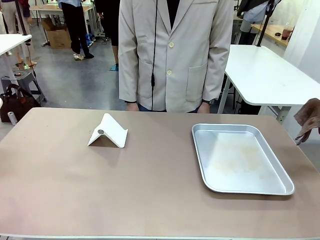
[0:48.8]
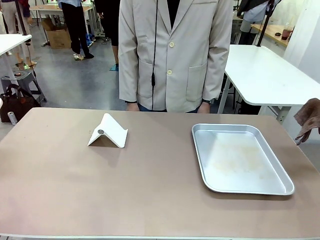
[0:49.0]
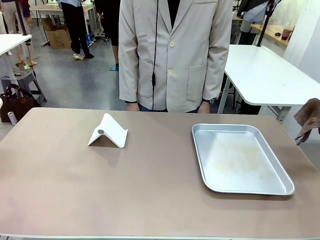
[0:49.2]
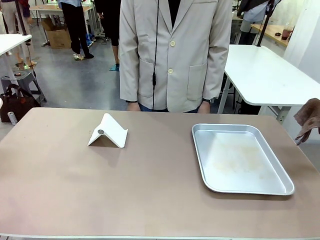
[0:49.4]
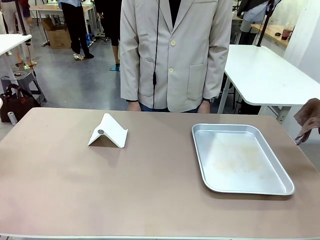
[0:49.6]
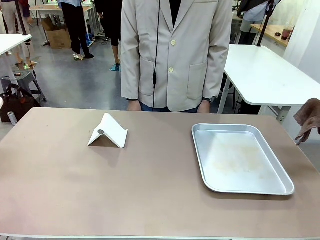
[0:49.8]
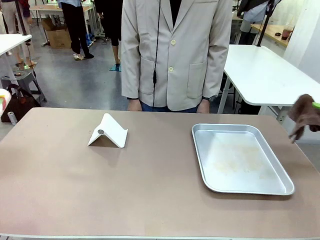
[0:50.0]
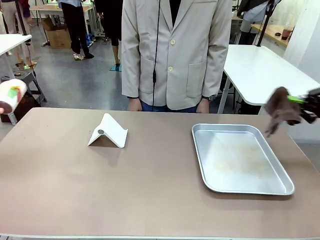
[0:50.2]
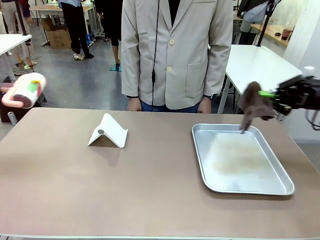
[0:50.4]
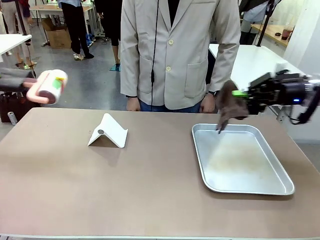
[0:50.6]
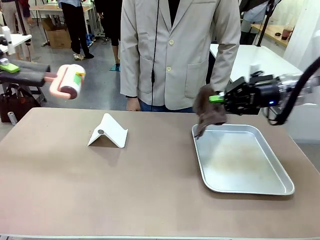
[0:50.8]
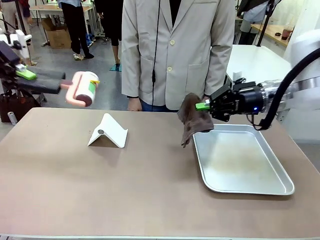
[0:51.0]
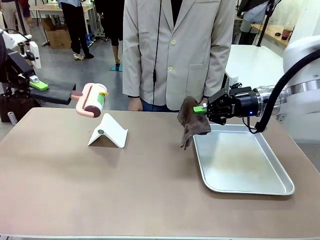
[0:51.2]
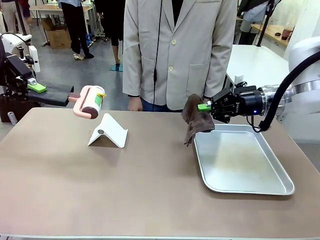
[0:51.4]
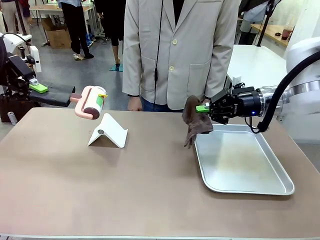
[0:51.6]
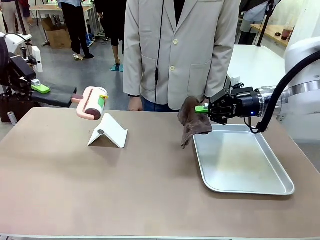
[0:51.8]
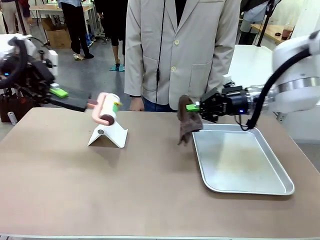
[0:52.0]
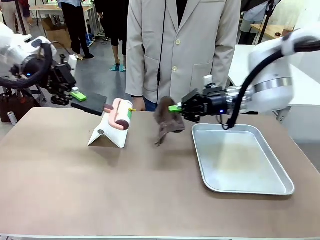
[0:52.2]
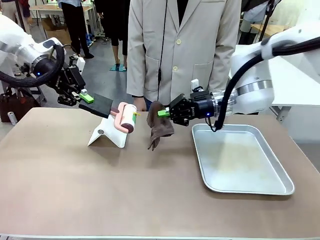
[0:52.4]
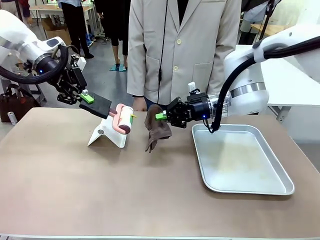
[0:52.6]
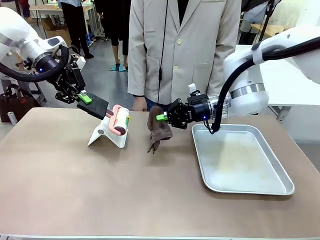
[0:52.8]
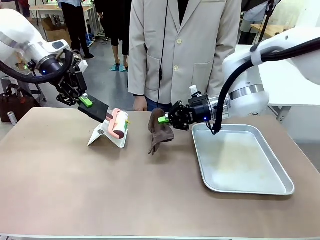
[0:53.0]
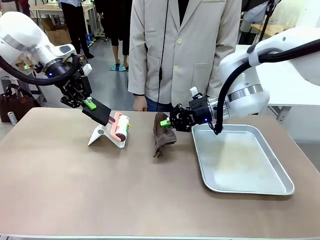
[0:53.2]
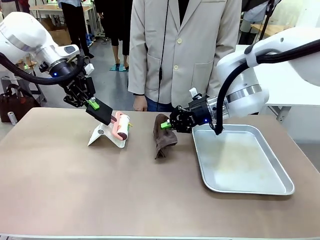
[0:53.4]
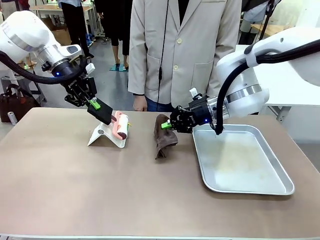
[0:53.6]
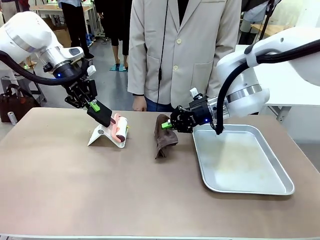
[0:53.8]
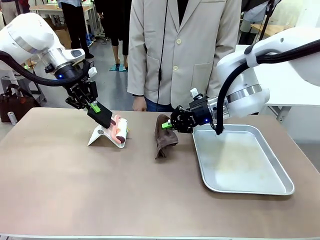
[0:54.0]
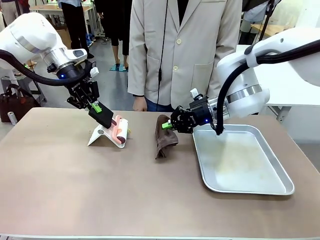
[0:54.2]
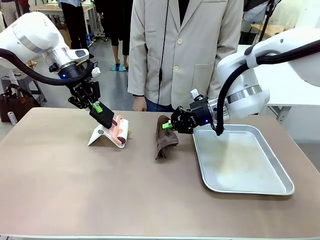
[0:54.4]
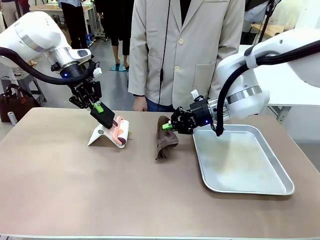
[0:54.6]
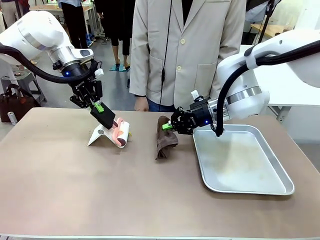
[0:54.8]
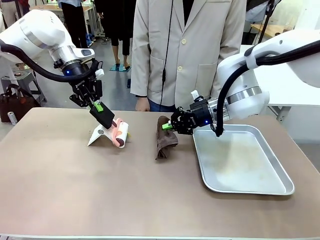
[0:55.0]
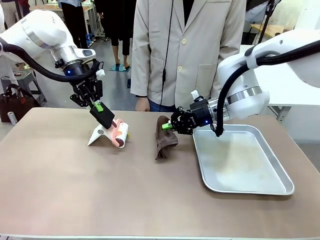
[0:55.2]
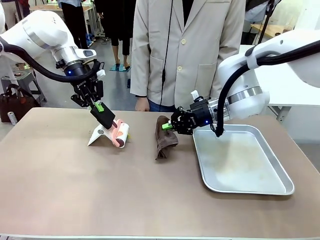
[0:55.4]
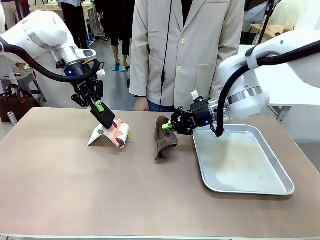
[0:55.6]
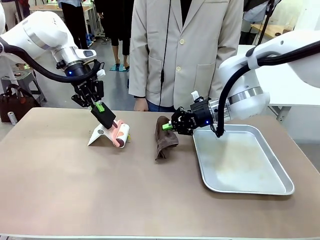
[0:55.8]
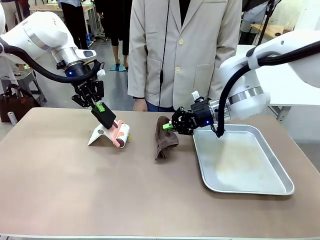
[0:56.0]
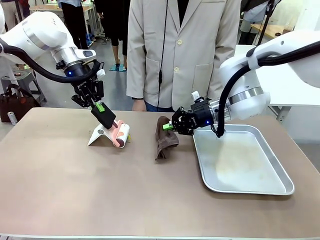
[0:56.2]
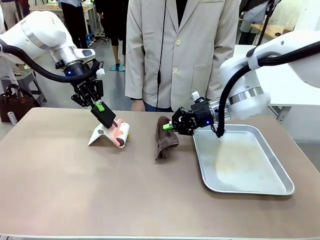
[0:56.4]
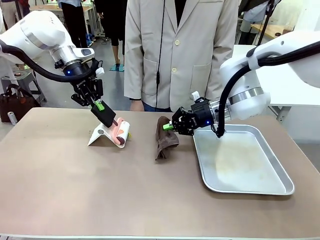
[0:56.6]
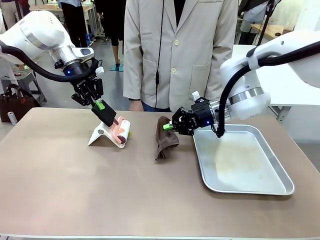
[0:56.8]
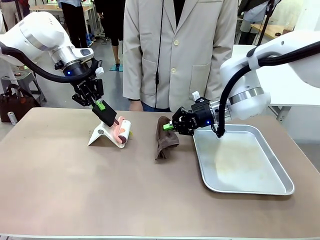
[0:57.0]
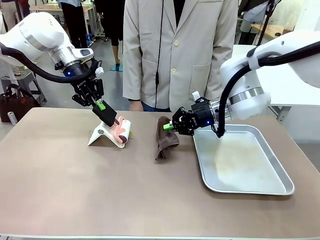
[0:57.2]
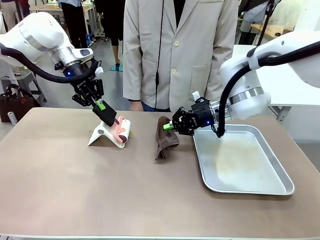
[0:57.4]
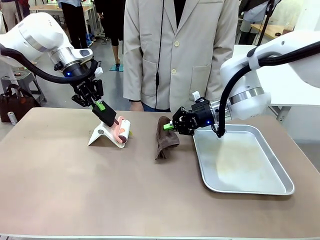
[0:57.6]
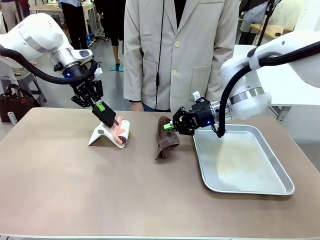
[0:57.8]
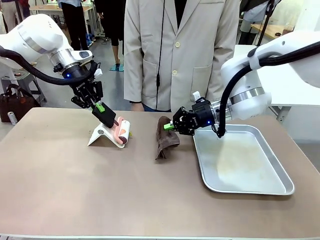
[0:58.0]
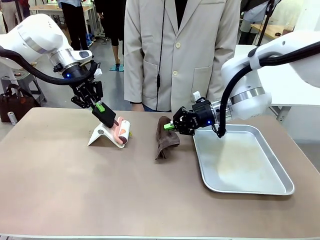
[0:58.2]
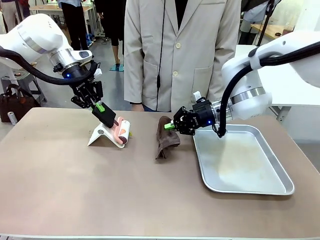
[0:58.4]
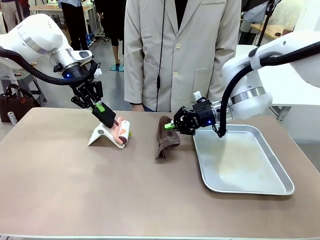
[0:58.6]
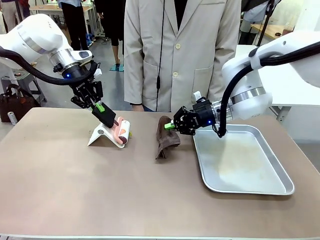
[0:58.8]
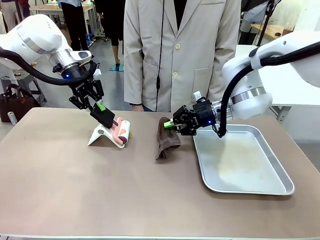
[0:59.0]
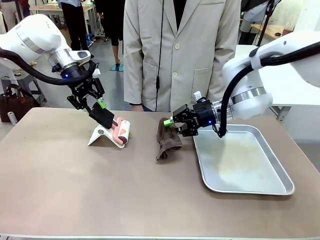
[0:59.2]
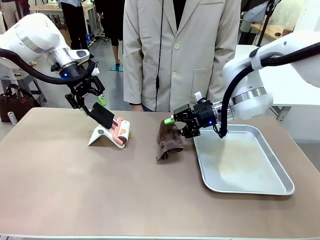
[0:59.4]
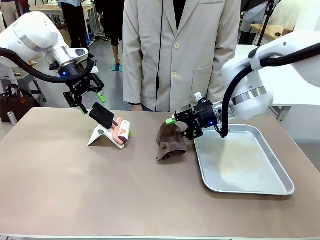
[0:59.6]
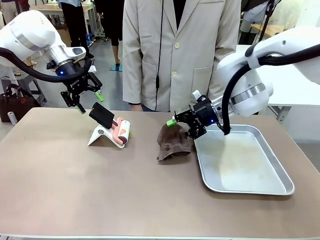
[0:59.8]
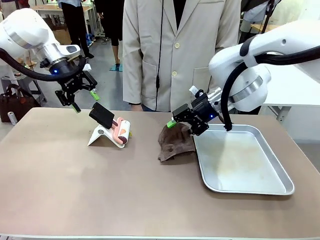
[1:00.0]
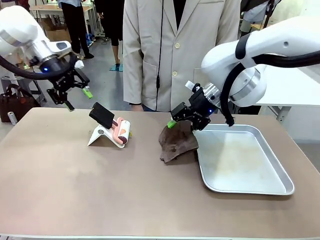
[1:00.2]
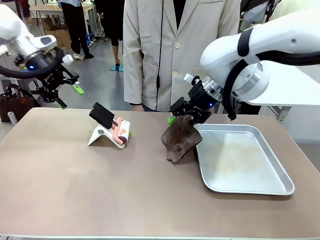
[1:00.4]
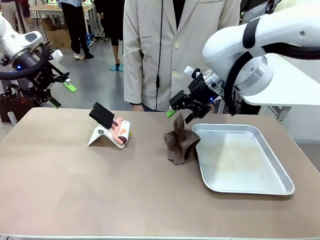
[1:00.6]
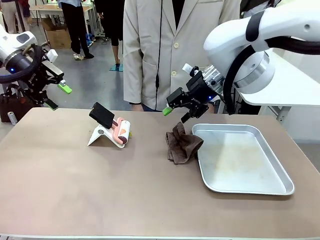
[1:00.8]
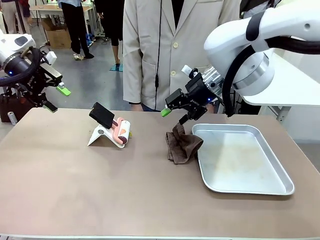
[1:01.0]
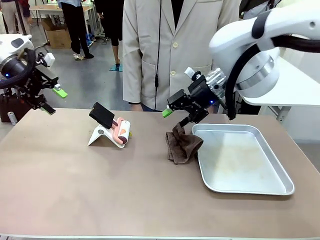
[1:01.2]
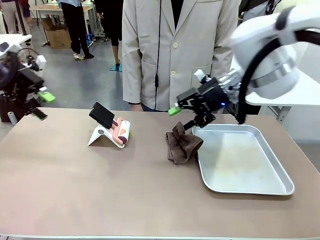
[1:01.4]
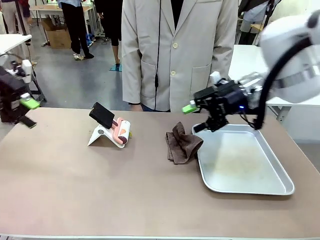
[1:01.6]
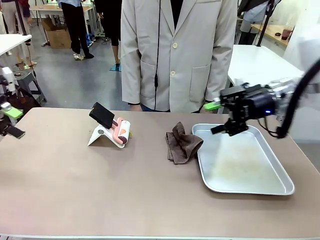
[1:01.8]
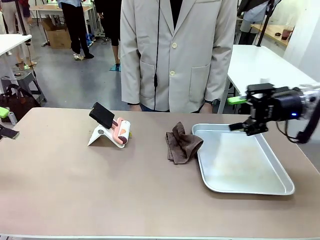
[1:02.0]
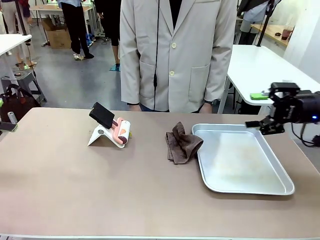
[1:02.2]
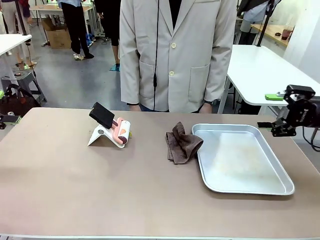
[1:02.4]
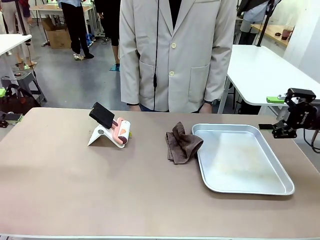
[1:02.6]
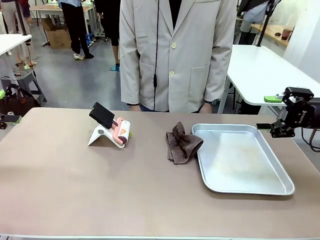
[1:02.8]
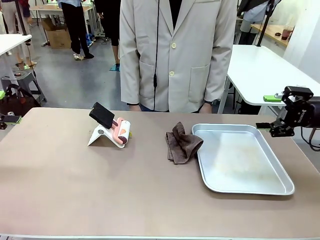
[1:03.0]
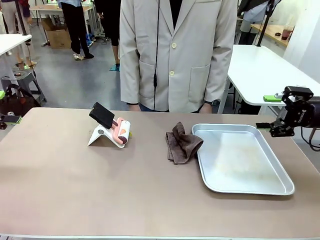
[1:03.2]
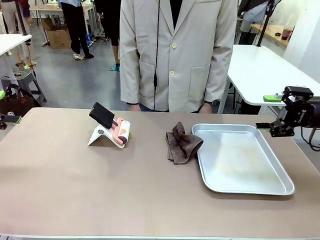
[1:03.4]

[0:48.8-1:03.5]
Task: Clean the surface of the table.
Robot: Return the Lint Roller and towel to their original positions.

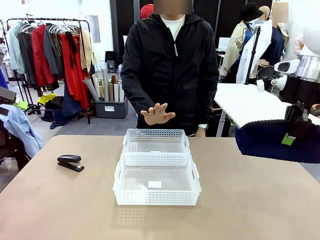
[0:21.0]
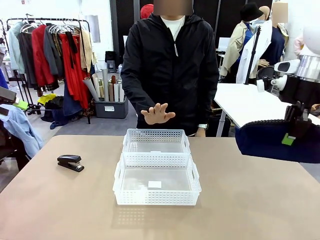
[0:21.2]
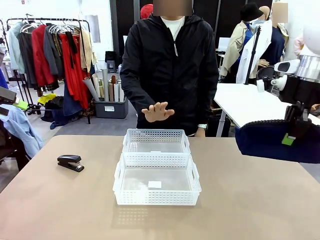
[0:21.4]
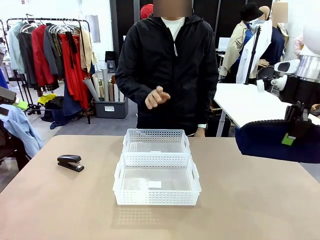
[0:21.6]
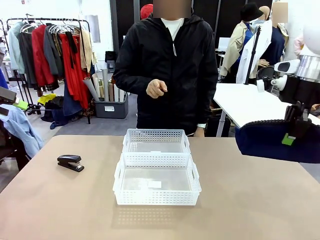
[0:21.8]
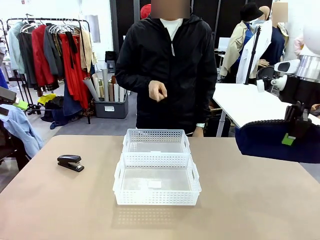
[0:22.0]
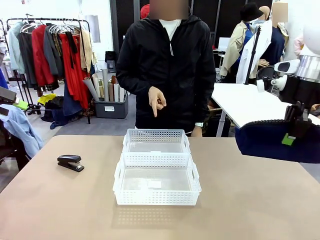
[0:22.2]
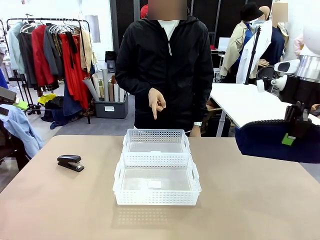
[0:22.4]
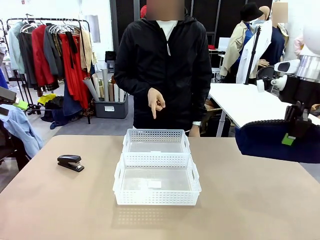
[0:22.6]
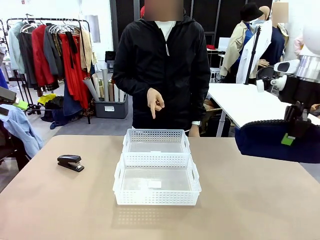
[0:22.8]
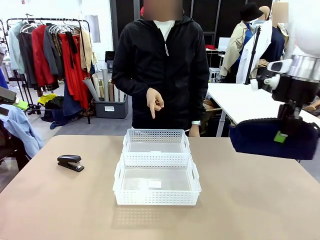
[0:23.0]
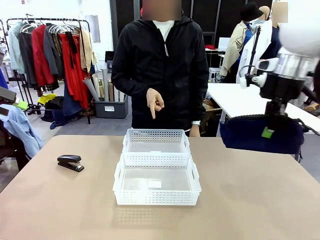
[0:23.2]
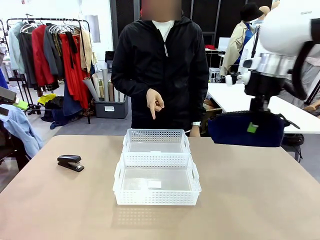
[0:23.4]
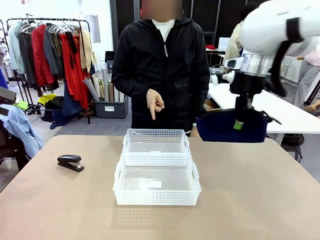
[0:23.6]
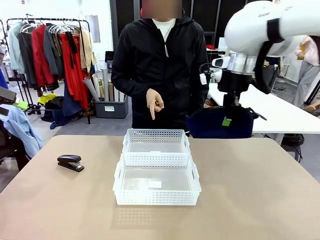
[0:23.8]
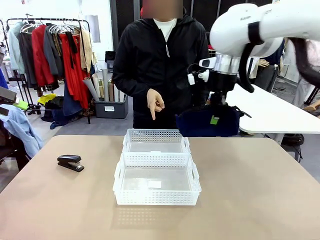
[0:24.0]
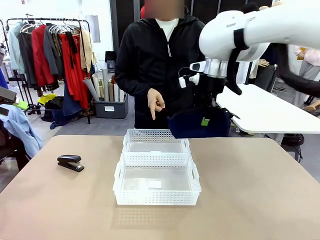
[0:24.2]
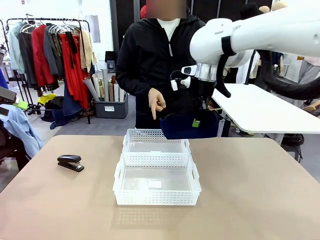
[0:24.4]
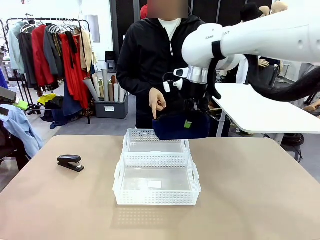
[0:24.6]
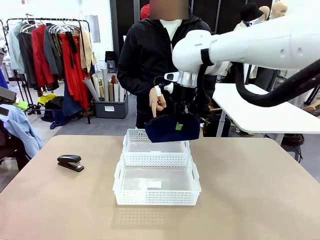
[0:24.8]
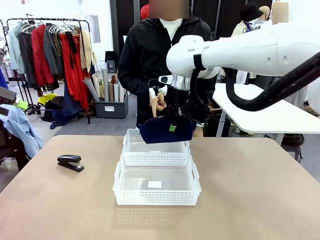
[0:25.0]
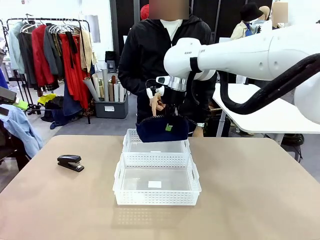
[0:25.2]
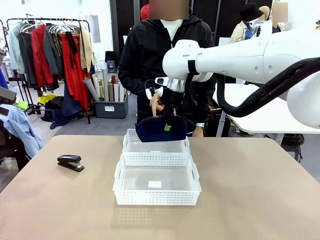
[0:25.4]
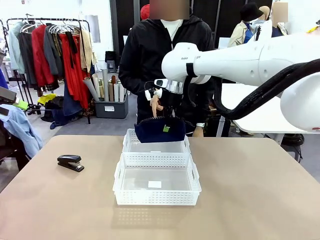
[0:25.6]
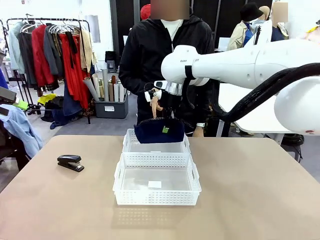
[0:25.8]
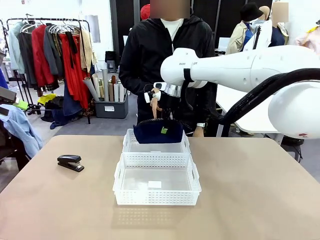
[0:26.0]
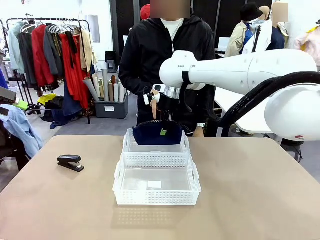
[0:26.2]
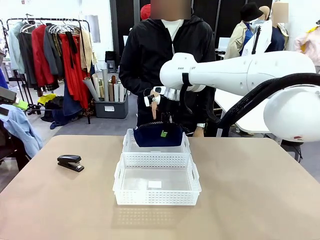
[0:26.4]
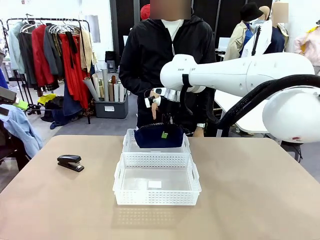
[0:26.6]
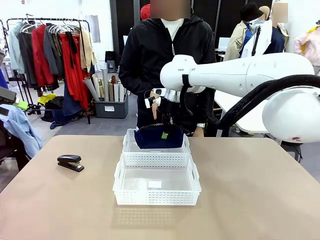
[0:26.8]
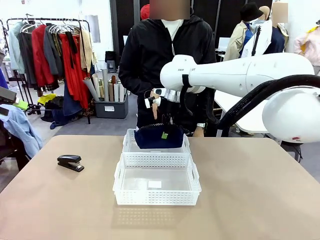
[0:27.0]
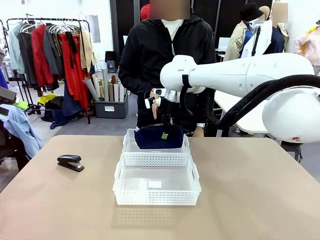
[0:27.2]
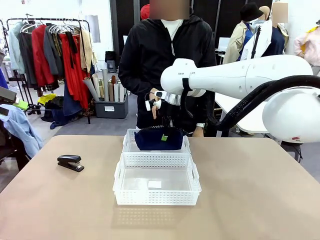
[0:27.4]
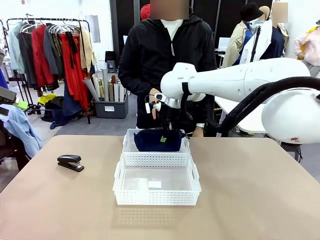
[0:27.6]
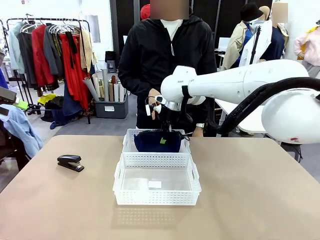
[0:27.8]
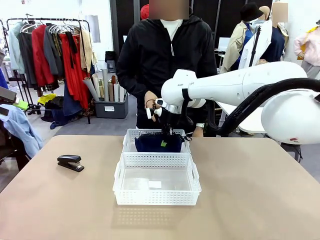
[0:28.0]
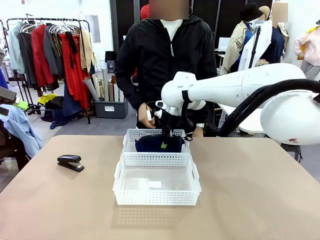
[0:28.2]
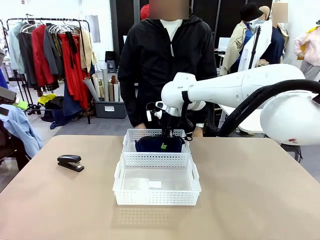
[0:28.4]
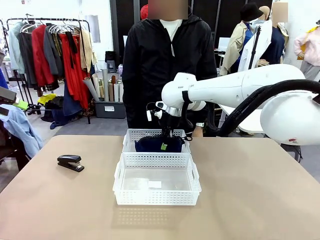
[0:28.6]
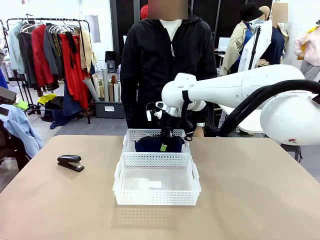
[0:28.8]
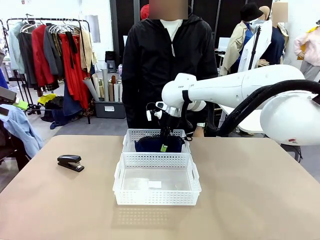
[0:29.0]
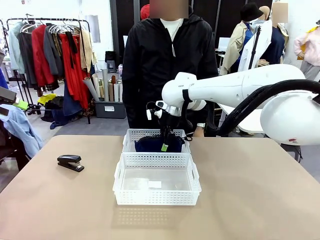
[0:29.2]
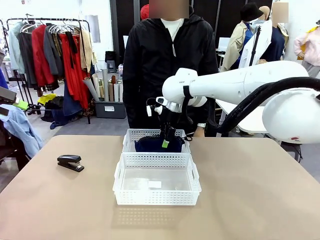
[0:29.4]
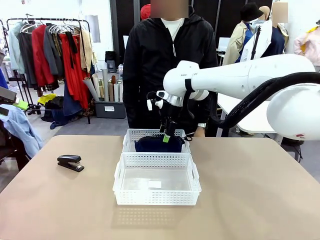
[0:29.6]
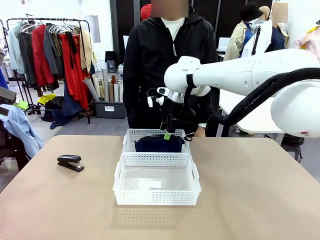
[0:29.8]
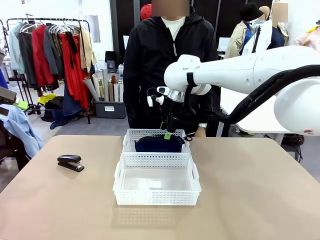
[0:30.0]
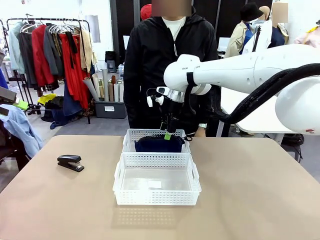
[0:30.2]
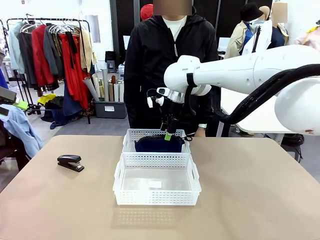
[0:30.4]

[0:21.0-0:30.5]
Task: Distribute items into two baskets.
Robot: Place the picked Pencil pouch into the Organizing basket as instructed by the person.
Person: Instructs the robot to place the pencil case into the opposite basket. Points to the stapler.
